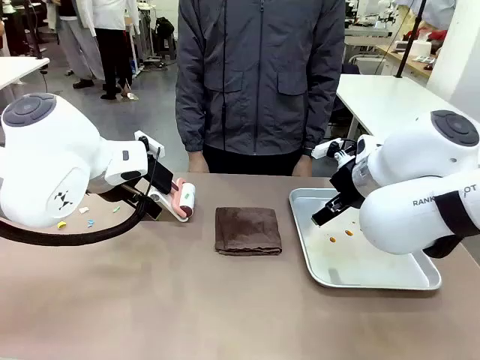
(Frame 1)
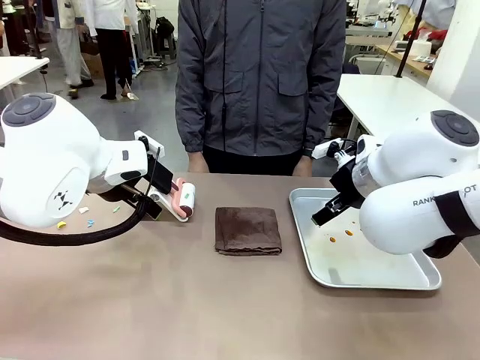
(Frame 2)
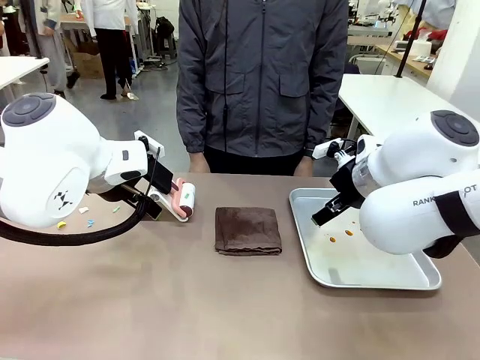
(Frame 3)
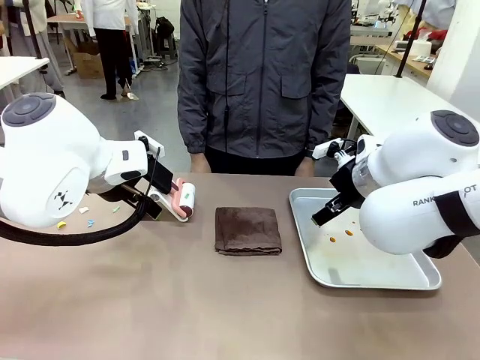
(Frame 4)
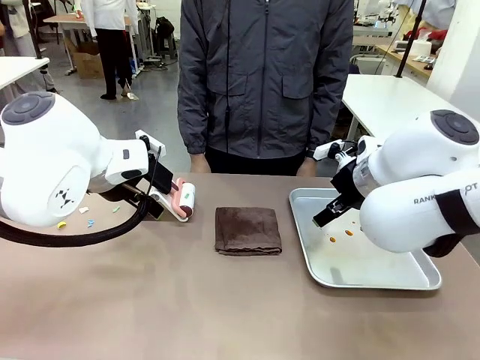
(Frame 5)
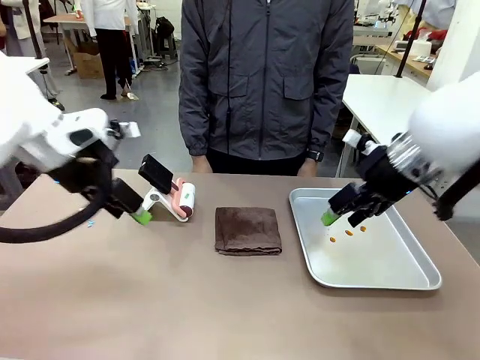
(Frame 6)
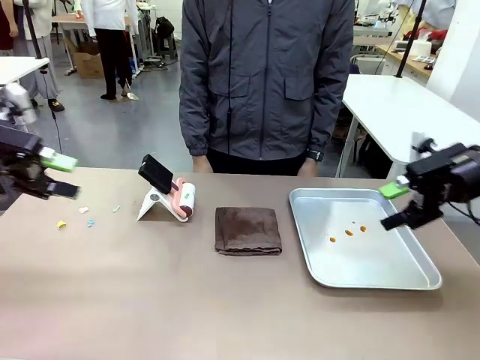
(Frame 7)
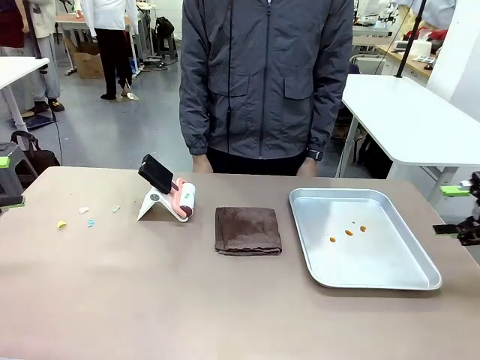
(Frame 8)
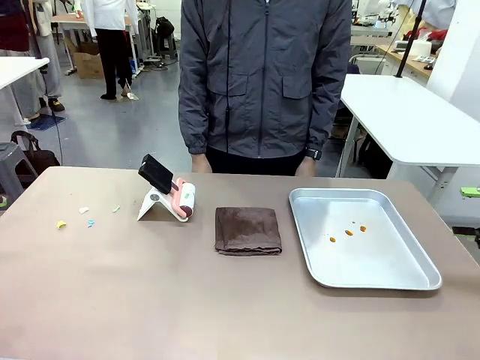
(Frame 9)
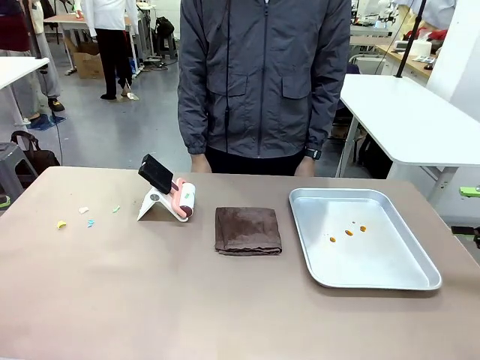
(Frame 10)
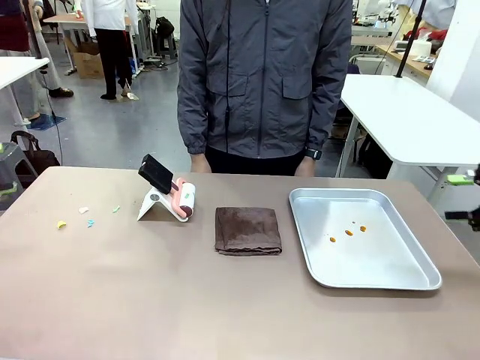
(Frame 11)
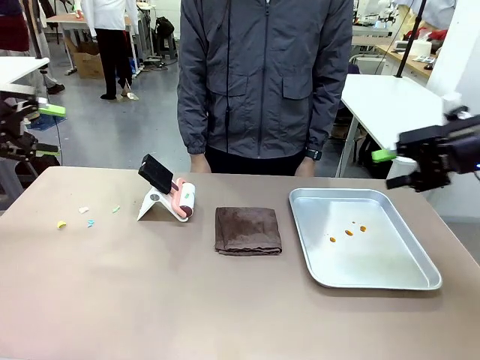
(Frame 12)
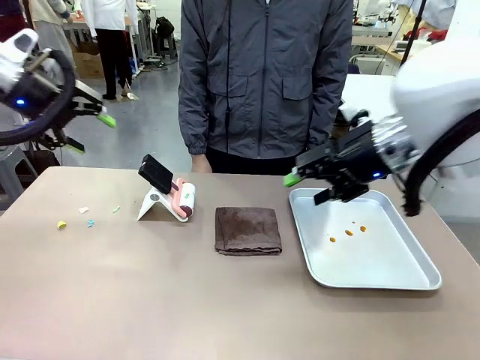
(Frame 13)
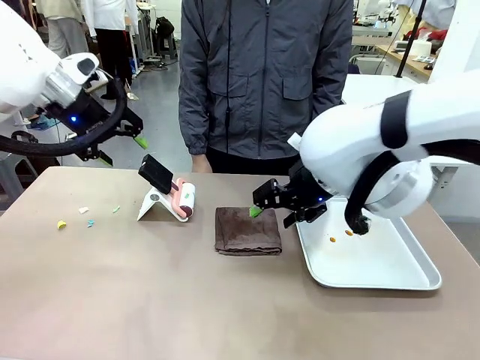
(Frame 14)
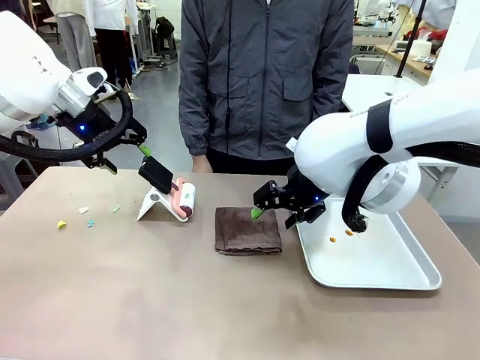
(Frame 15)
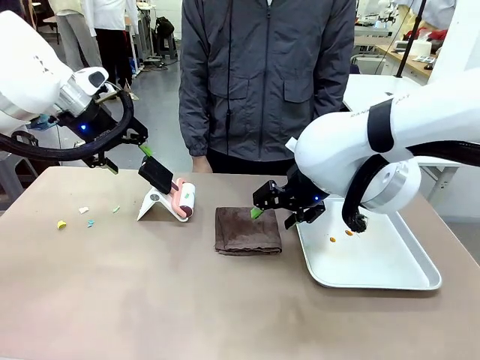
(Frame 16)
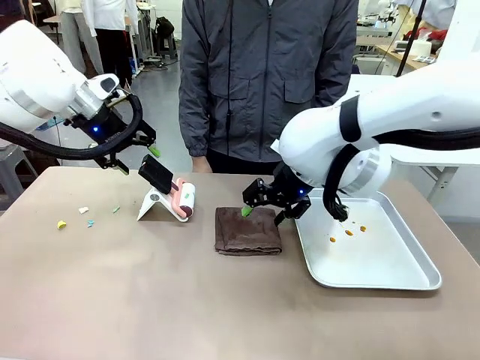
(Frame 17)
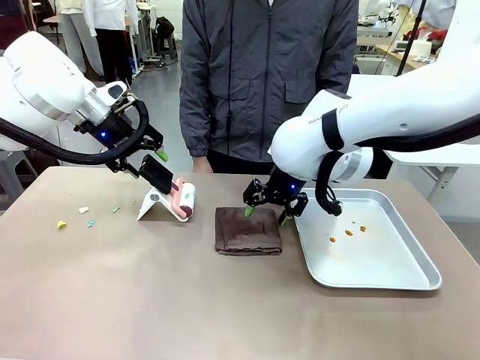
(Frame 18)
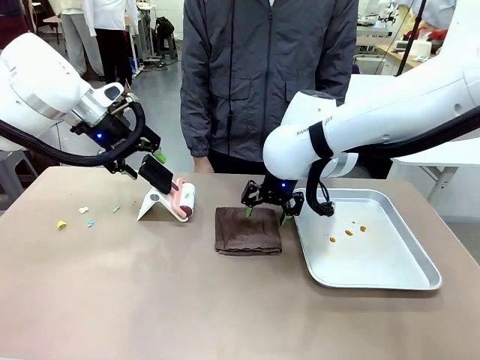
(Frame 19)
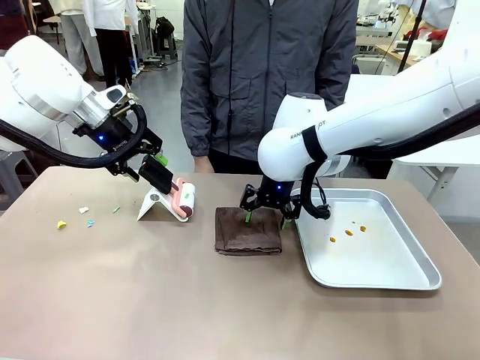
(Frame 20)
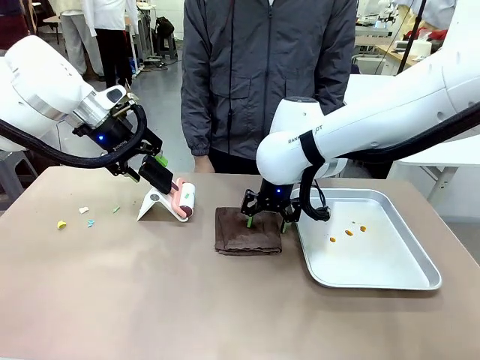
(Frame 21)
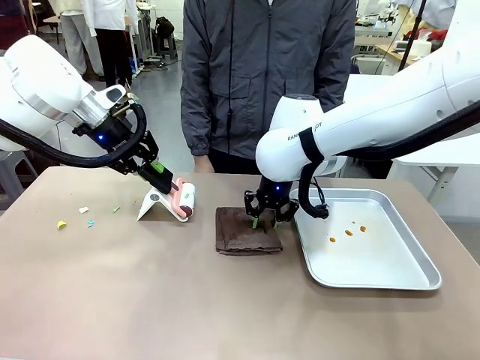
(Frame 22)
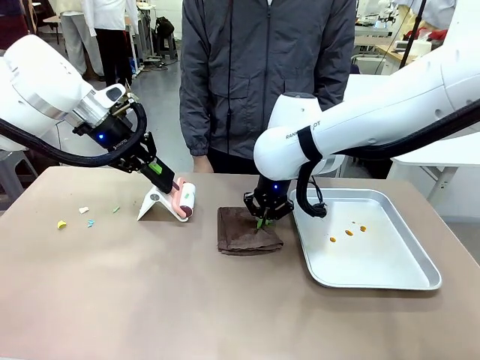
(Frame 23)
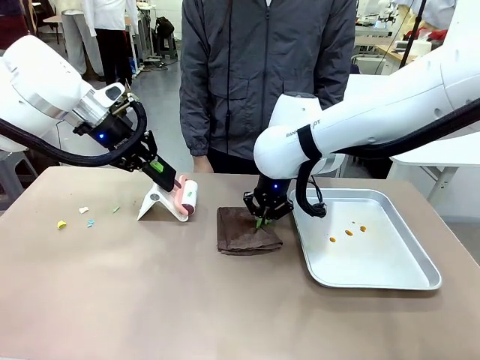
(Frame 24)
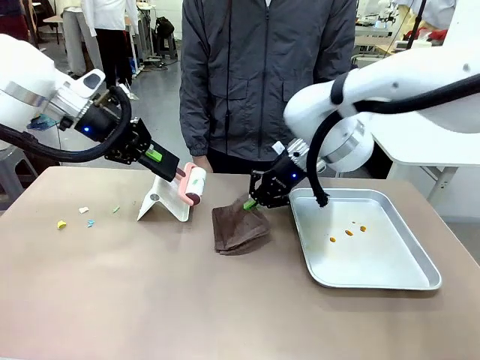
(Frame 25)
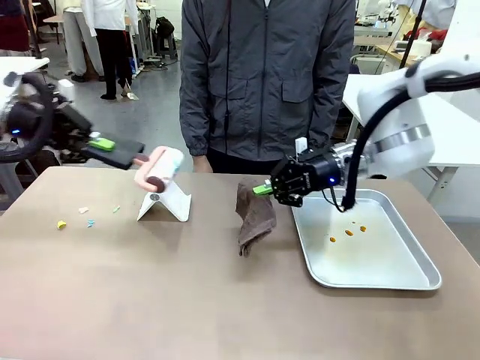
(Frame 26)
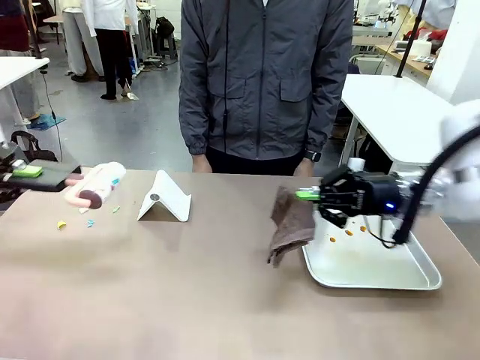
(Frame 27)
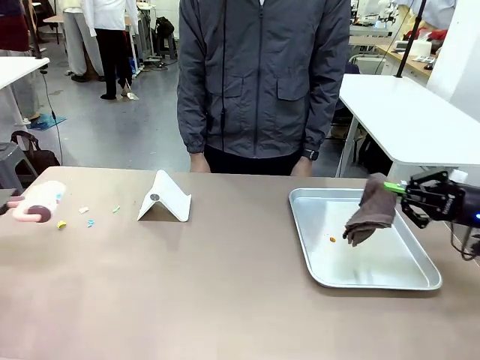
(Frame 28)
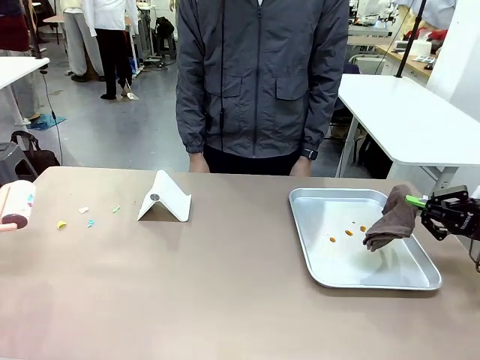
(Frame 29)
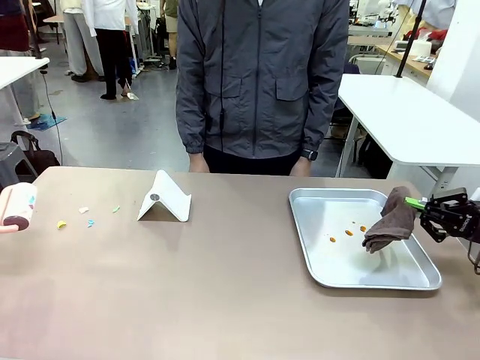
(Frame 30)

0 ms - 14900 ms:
Task: Clean the surface of the table.
Robot: Hold the Lint Roller with your left hand and the towel with your right hand.

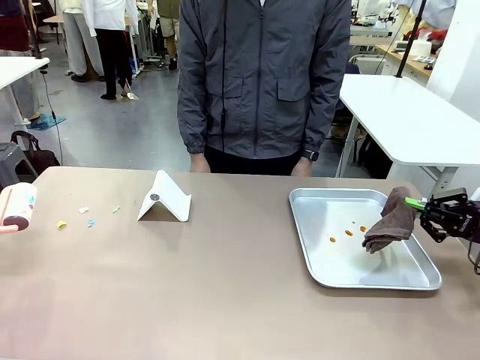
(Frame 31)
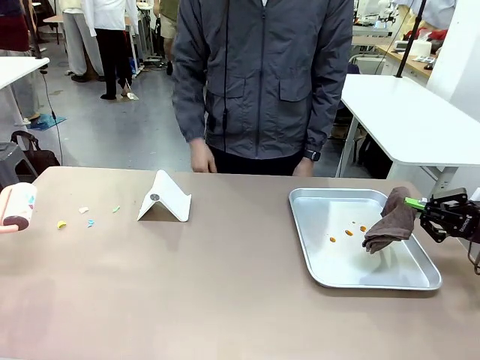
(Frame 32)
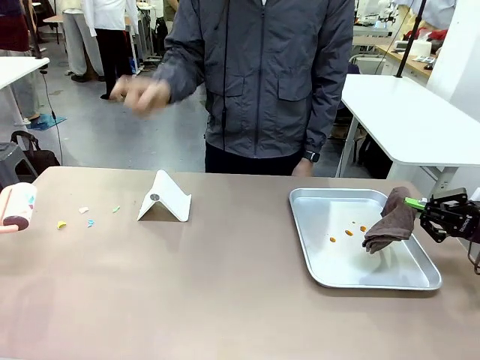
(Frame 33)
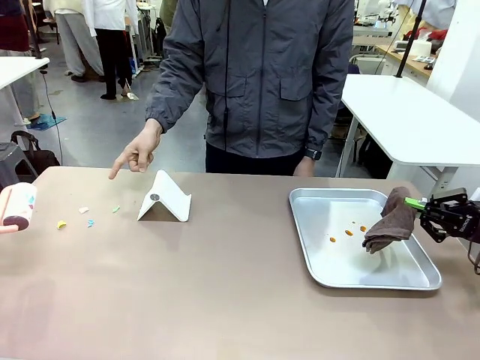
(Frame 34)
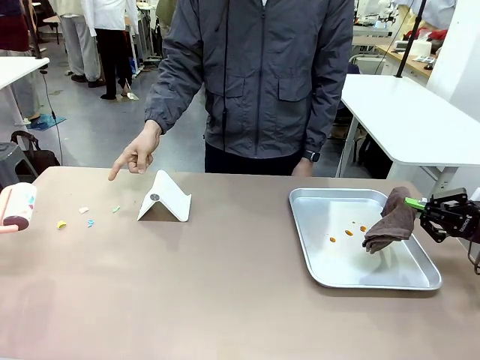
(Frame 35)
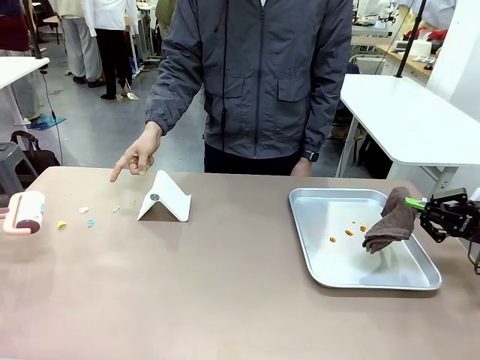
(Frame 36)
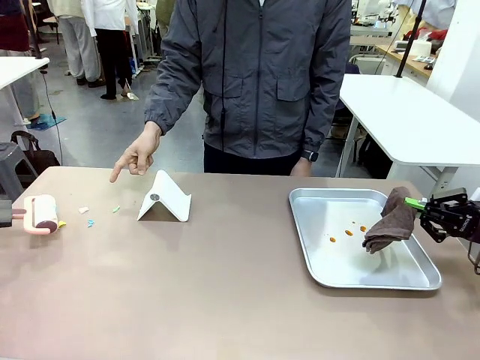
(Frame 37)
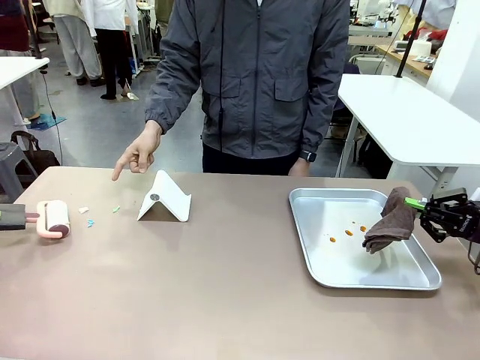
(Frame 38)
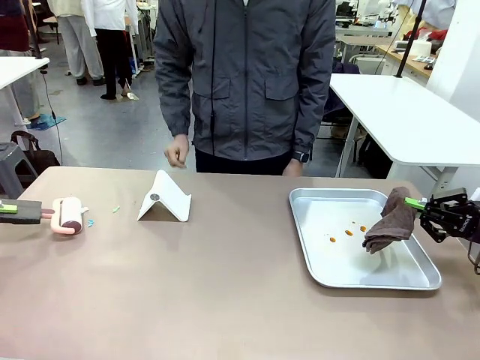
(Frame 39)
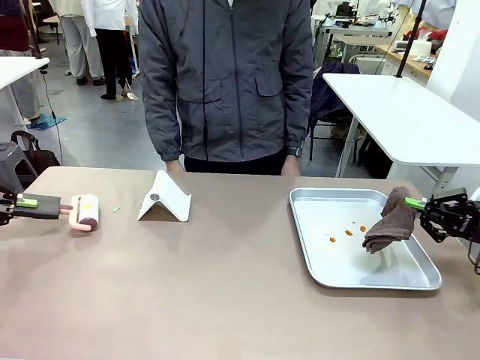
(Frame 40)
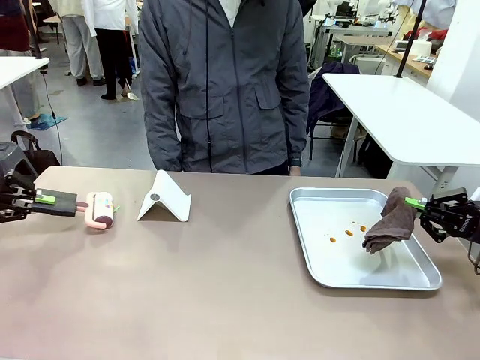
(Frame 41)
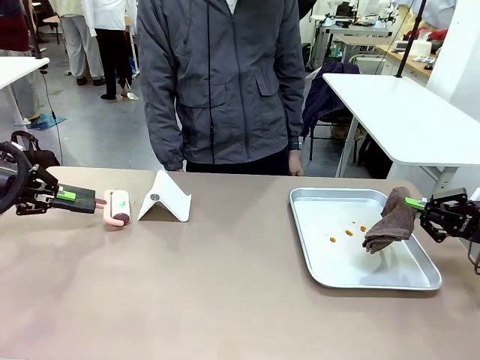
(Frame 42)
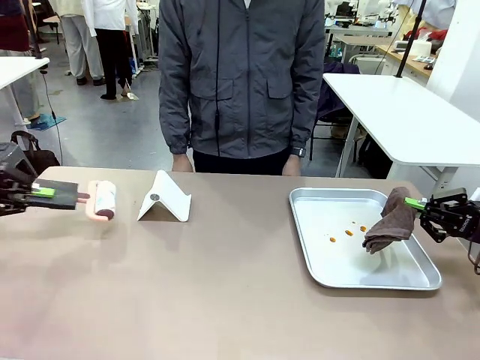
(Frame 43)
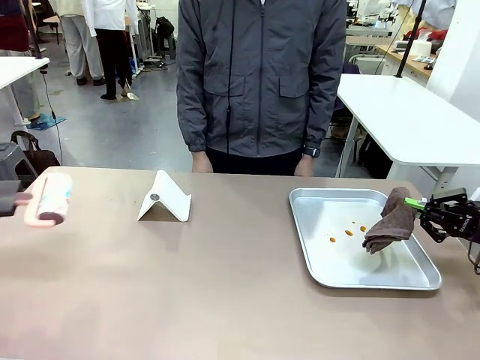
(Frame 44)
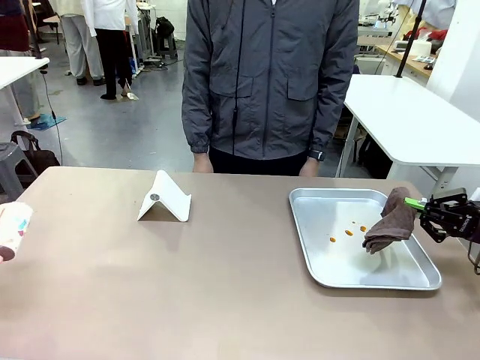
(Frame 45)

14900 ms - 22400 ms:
Robot: If a person points to the right, clean the right side of the table with your right hand, and if they point to the left, clean the left side with your left hand.

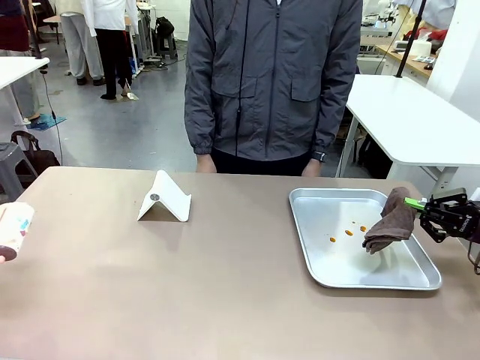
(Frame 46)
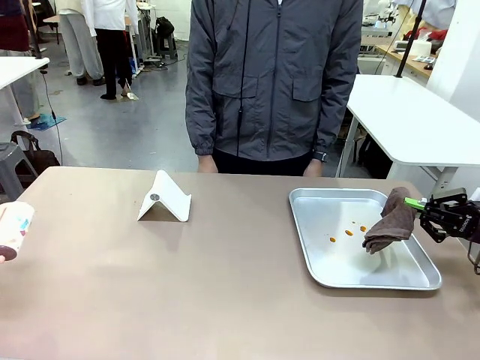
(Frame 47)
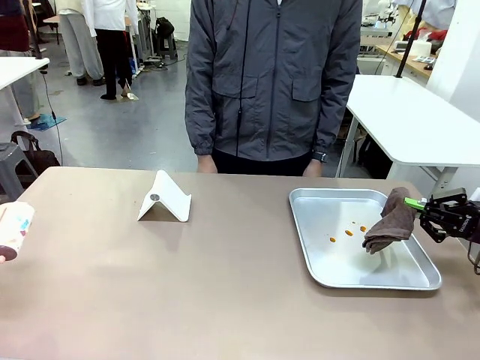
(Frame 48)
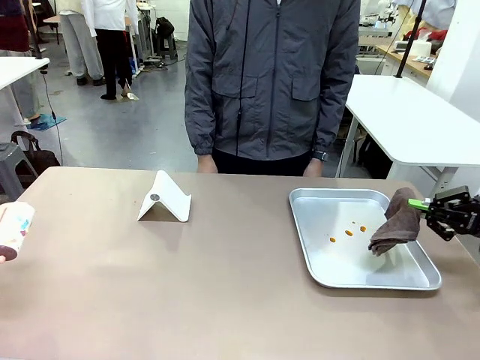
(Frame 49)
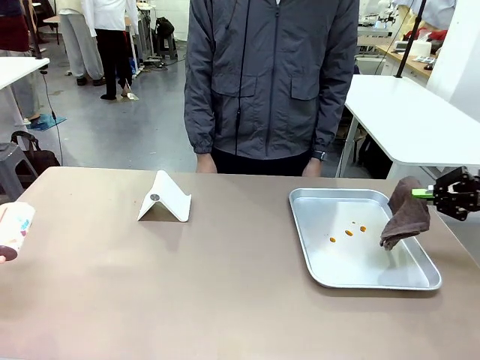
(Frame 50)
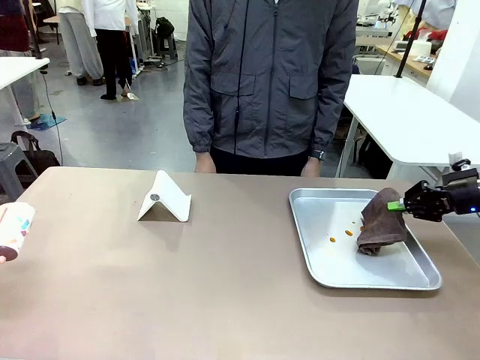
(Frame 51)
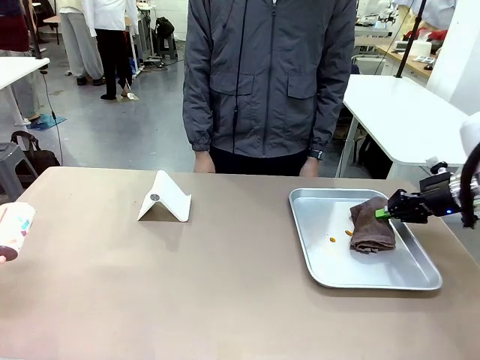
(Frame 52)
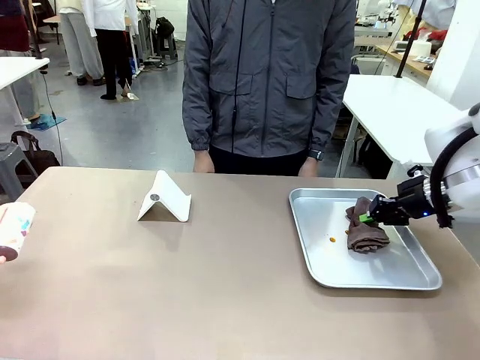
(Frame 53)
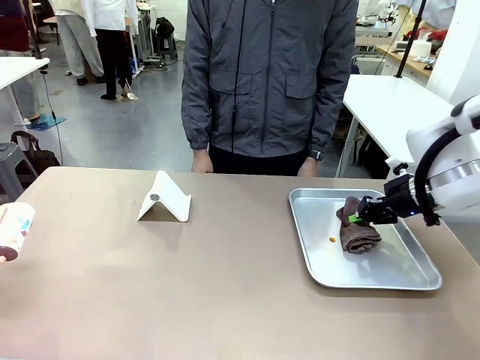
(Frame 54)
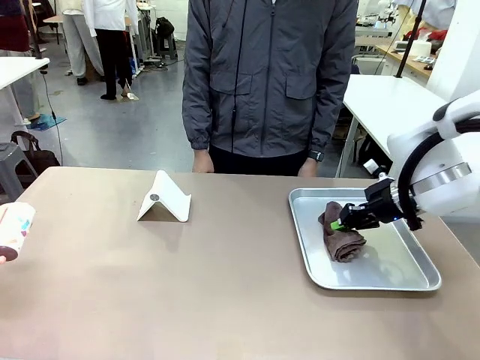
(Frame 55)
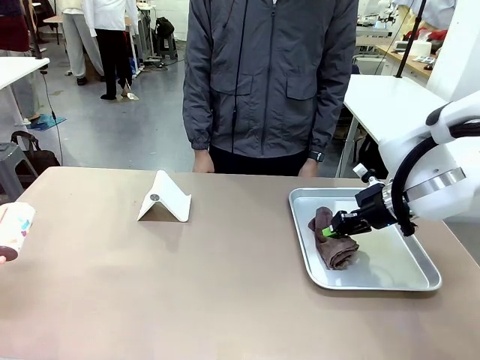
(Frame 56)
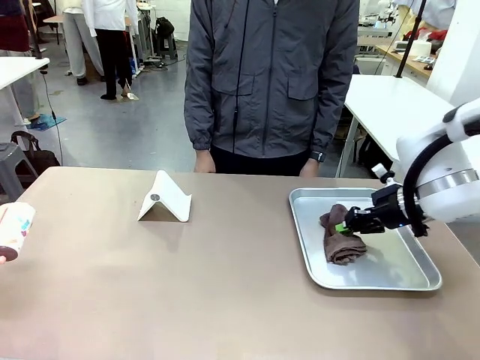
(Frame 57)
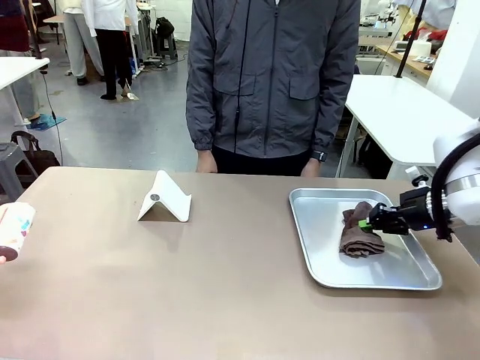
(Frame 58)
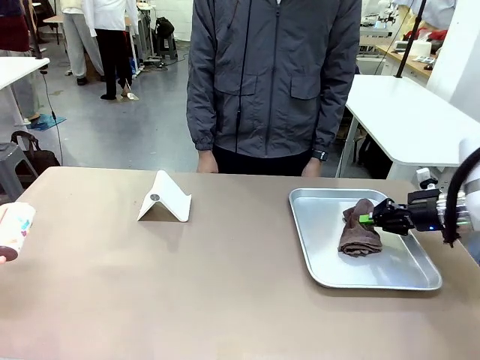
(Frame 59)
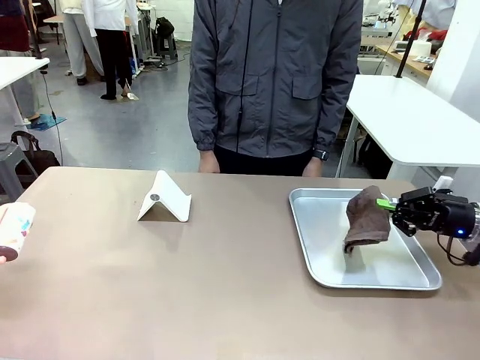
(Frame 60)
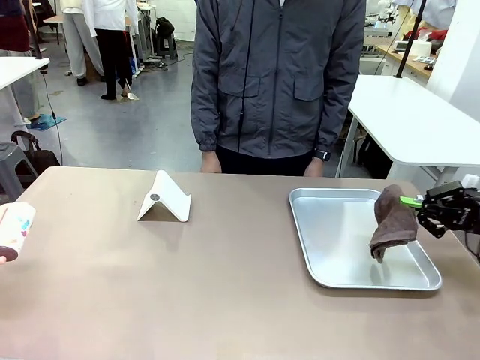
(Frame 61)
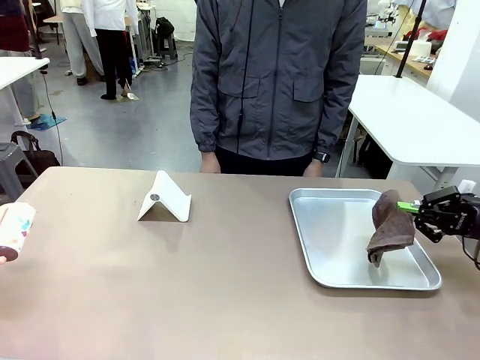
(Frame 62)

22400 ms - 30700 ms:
Robot: Clean the area not pointed to by the person.
